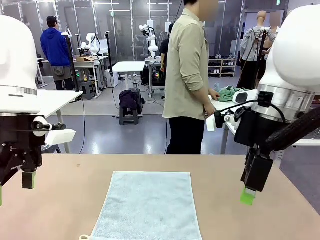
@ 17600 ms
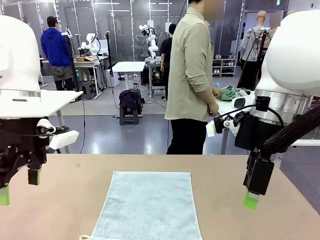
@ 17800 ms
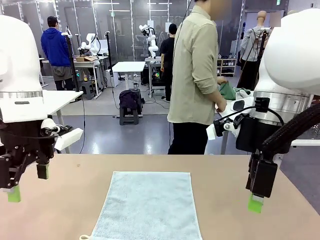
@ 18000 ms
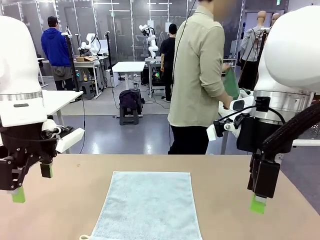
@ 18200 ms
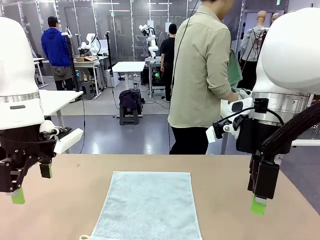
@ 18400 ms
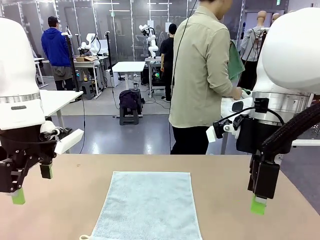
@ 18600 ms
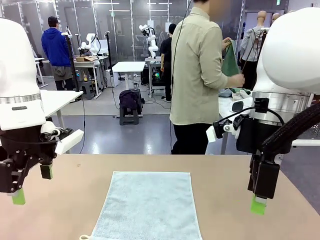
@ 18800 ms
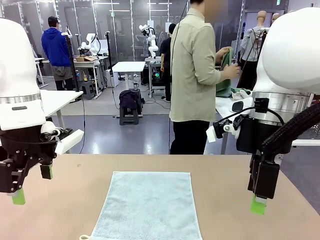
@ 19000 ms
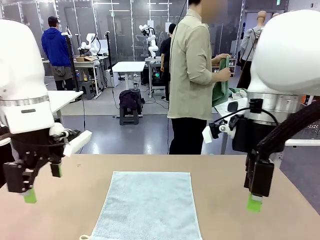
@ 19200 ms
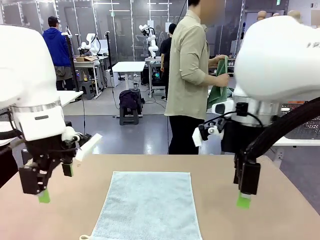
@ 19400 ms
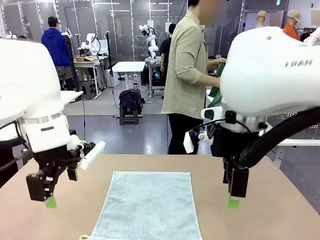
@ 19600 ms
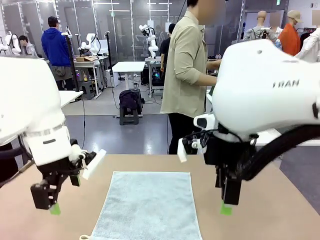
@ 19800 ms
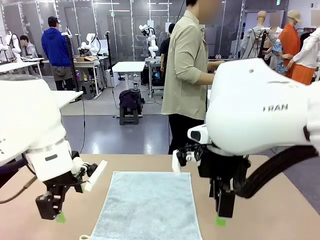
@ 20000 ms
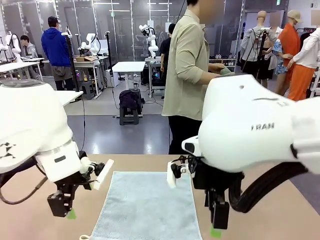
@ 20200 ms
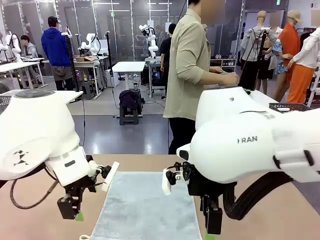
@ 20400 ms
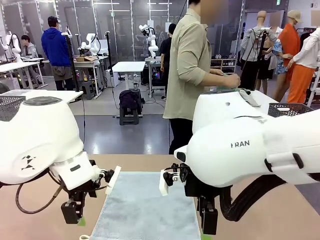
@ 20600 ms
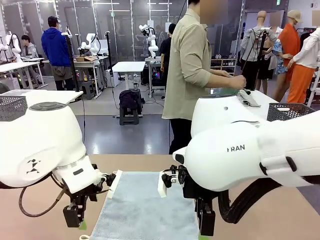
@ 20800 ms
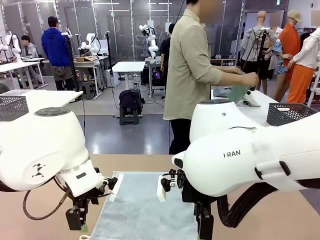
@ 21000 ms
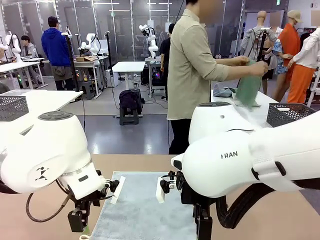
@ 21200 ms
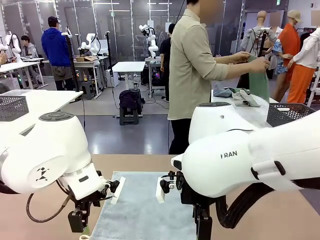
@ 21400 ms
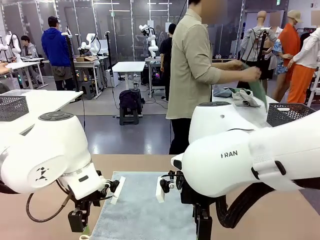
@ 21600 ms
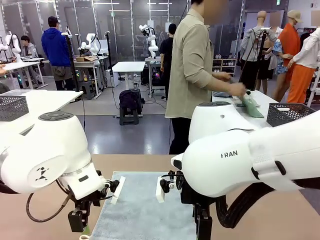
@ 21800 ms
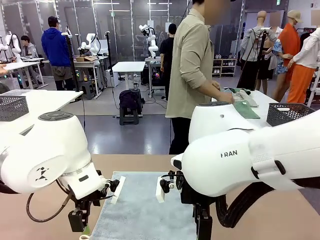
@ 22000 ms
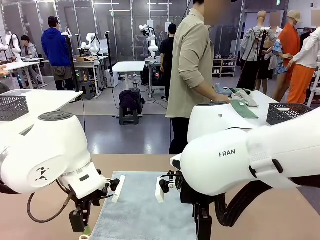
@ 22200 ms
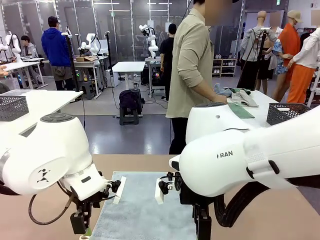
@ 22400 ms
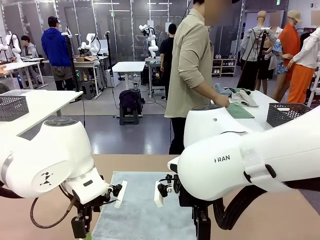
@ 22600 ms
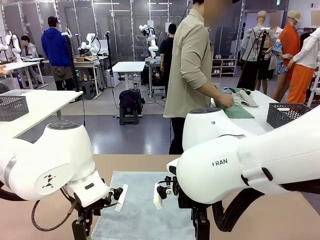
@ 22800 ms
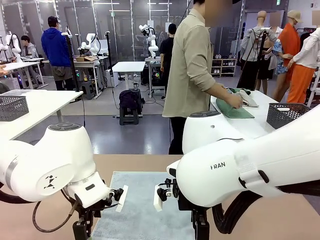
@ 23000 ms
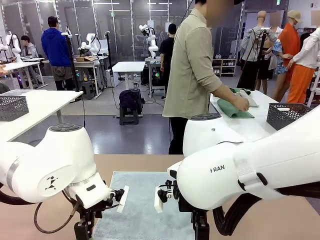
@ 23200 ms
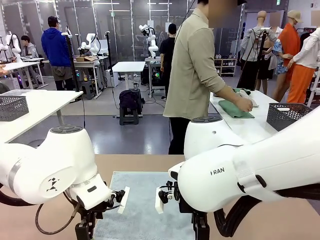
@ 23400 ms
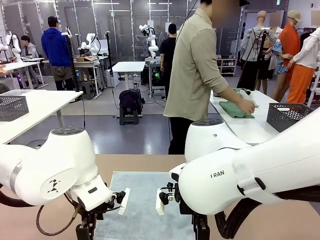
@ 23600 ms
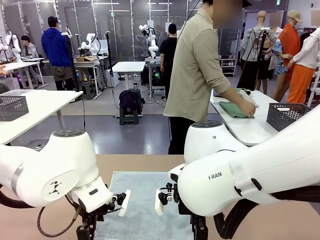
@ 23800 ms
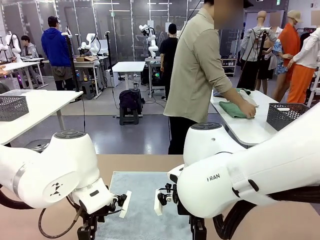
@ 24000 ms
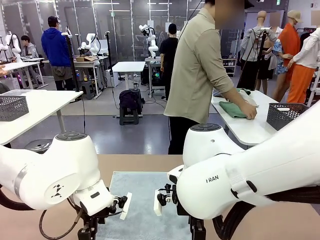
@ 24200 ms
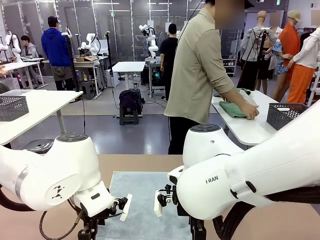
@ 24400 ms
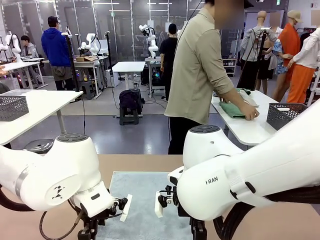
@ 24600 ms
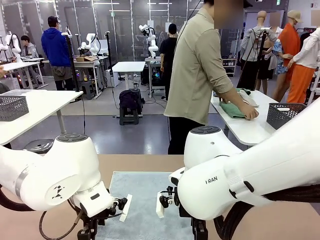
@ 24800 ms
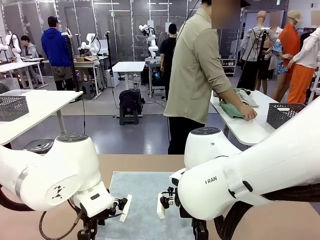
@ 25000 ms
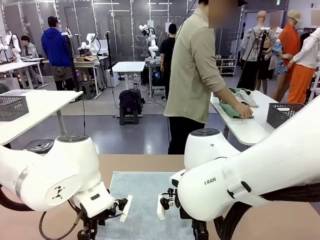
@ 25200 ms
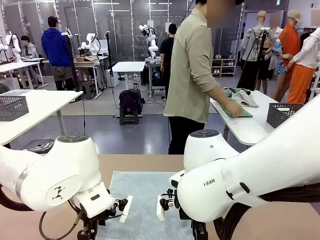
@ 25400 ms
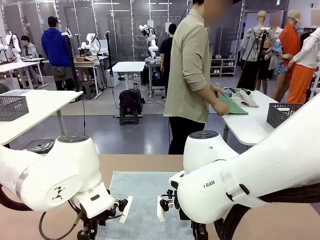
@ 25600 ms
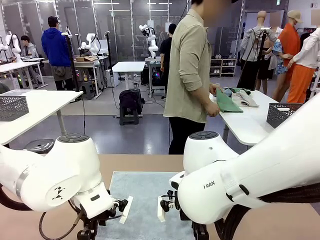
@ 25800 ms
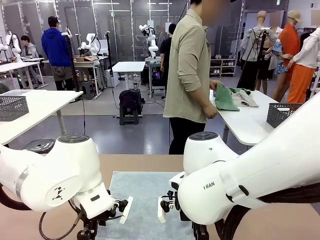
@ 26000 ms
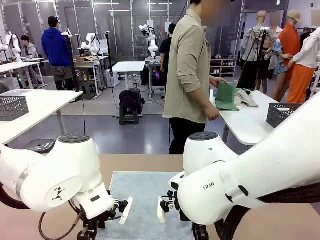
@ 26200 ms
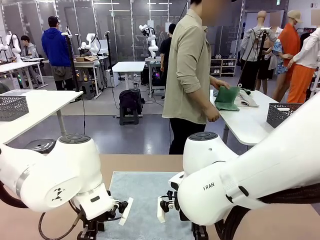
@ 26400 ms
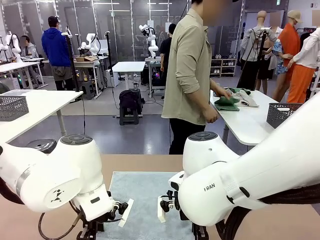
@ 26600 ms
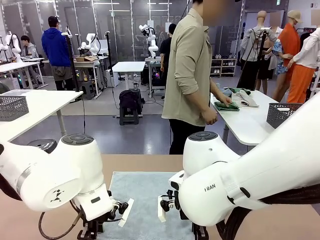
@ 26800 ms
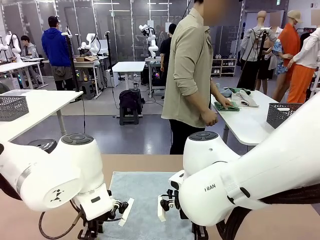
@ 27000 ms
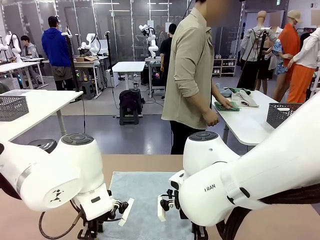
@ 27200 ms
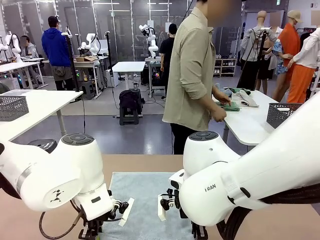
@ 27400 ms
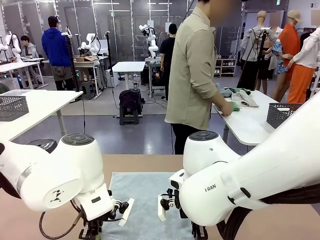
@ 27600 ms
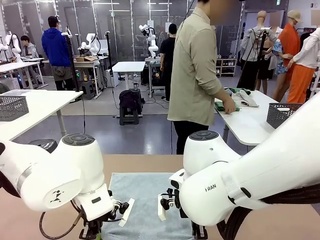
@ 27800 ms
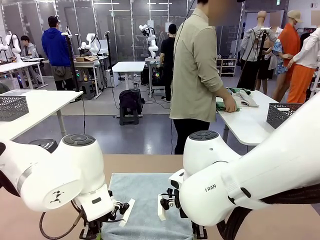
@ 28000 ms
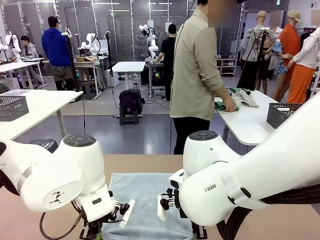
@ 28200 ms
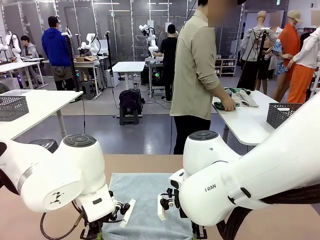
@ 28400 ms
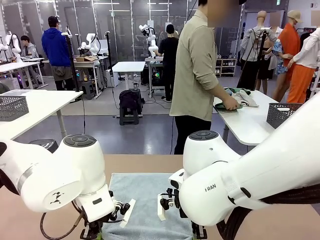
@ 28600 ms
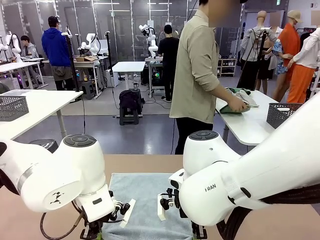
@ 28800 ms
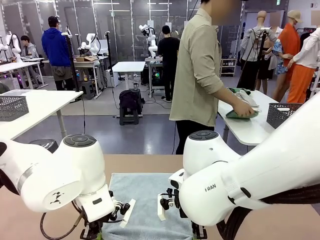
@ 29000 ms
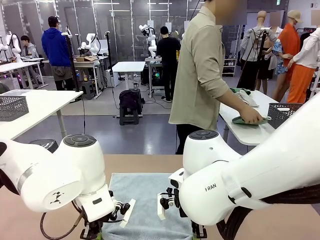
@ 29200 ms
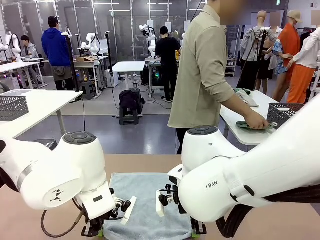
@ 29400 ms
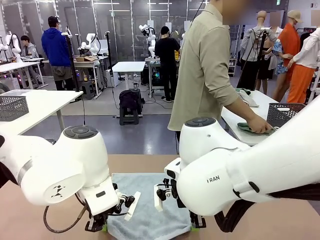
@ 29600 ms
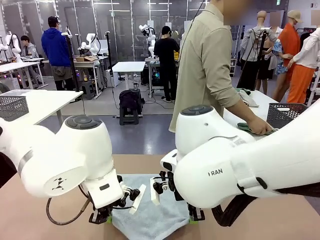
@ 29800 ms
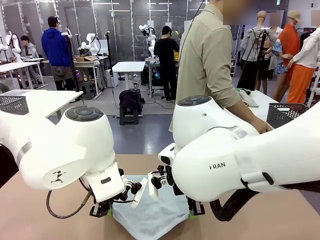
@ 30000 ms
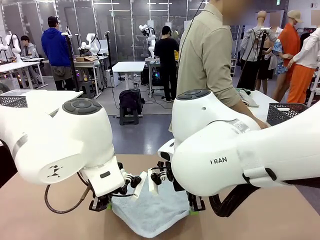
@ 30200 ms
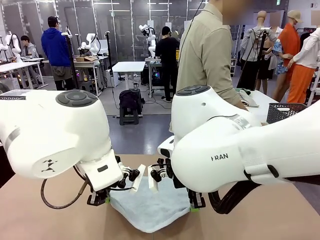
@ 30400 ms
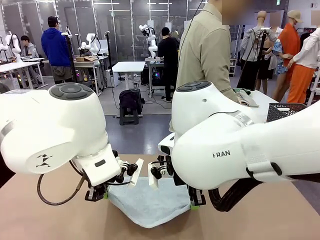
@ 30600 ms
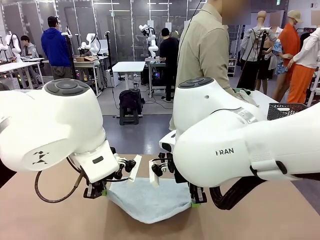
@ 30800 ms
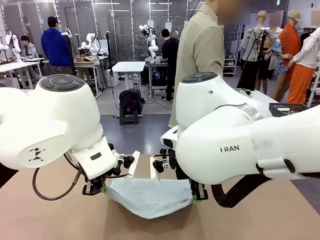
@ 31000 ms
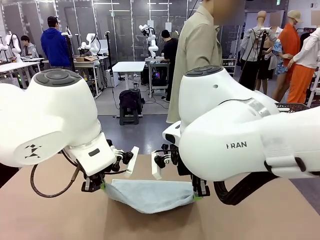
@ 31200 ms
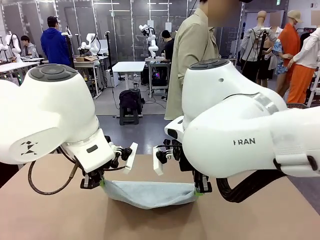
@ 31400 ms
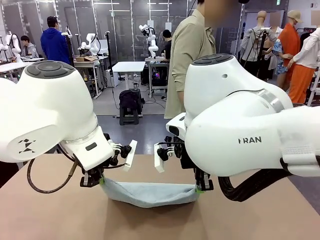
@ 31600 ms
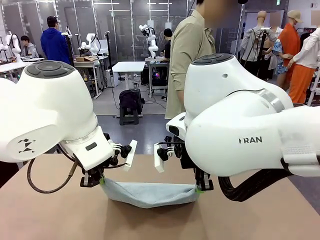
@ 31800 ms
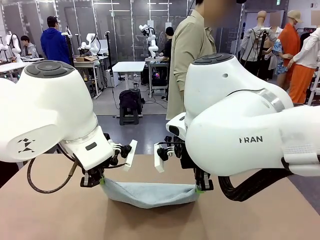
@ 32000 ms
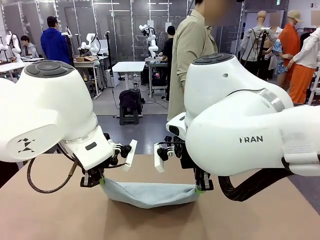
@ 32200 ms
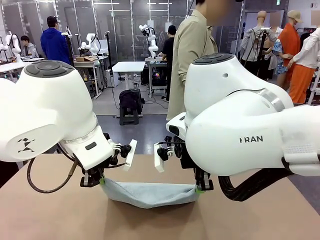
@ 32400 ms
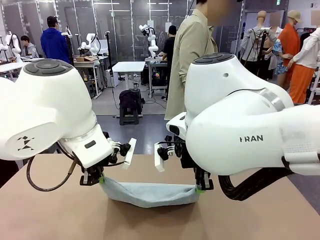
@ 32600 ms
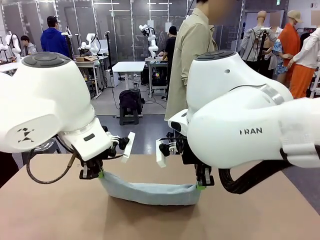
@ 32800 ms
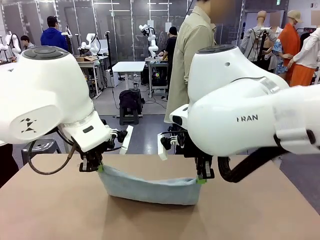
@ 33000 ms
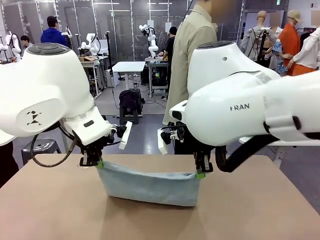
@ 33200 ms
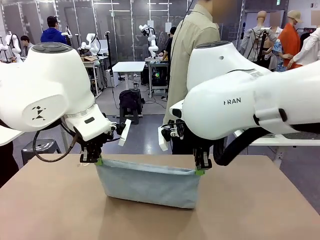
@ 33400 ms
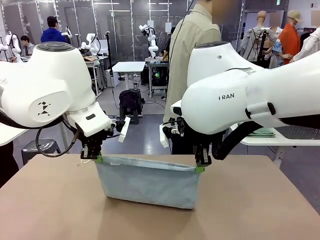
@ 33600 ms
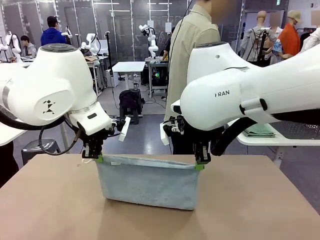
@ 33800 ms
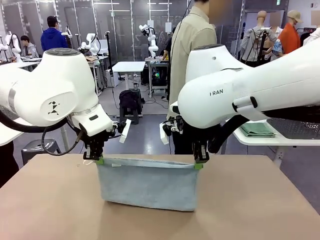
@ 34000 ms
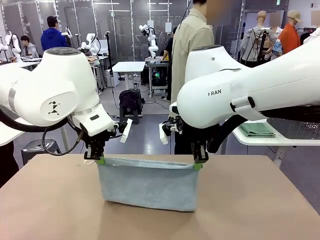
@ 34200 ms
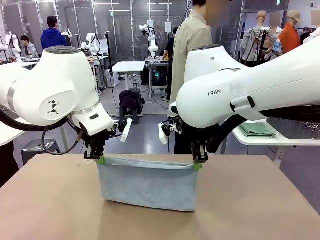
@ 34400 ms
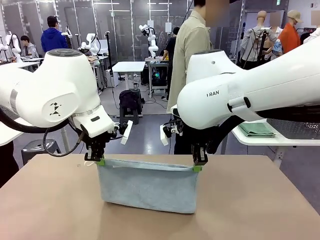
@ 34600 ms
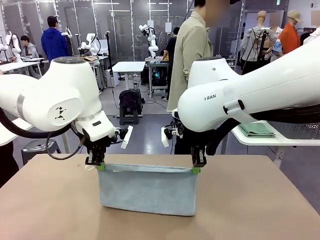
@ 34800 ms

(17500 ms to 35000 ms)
Task: Fold the towels and place them in the basket.
Robot: When a person lays out a Towel with hook on the table, fold it in half twice.
Person: Pick up one towel from the left side of the human table, fold it in half twice, and place it on the right side of the table.
